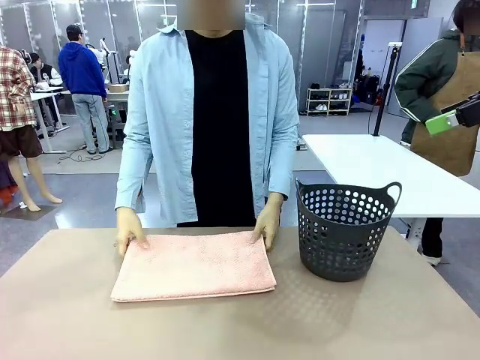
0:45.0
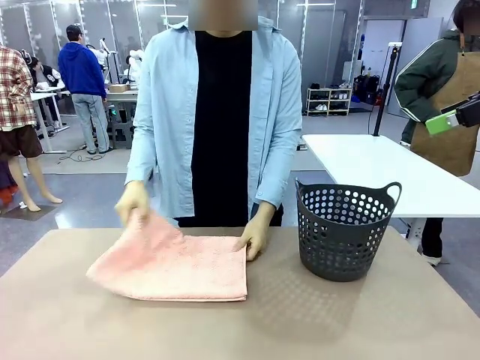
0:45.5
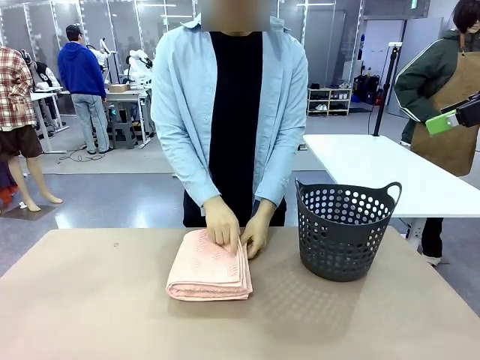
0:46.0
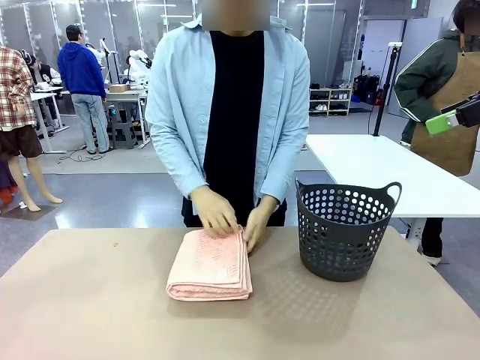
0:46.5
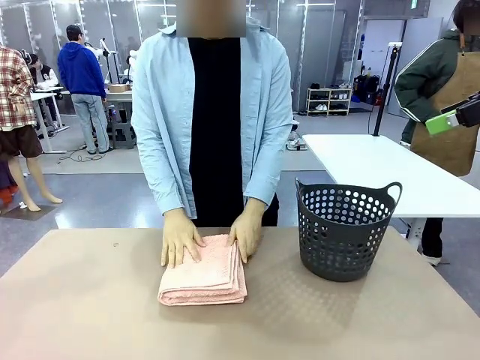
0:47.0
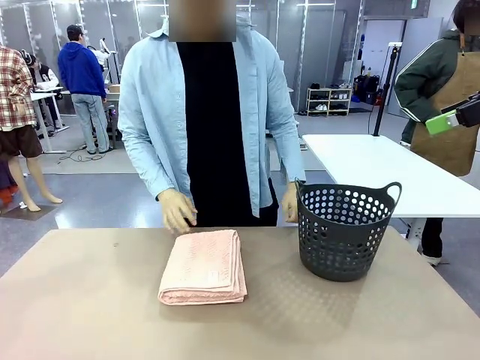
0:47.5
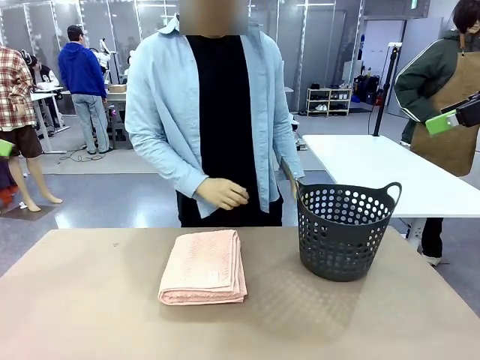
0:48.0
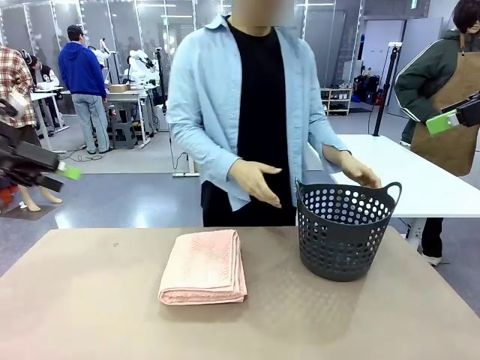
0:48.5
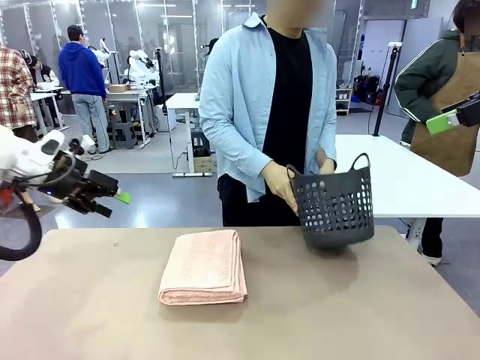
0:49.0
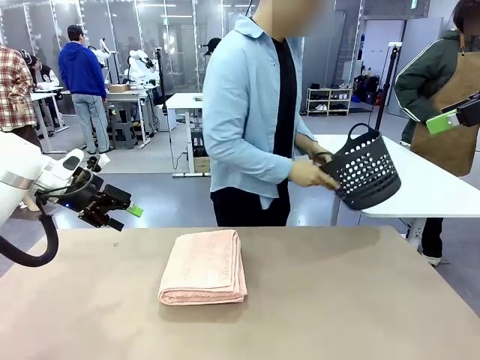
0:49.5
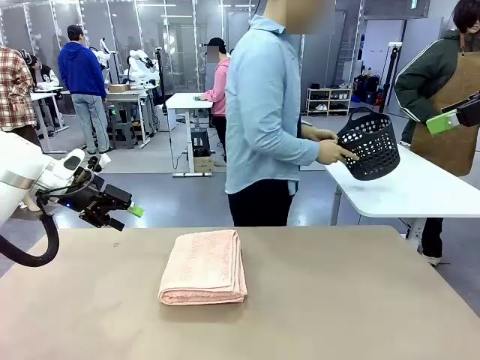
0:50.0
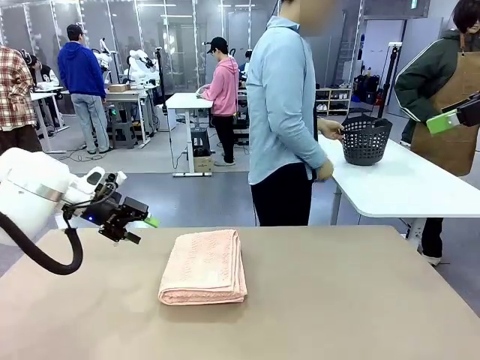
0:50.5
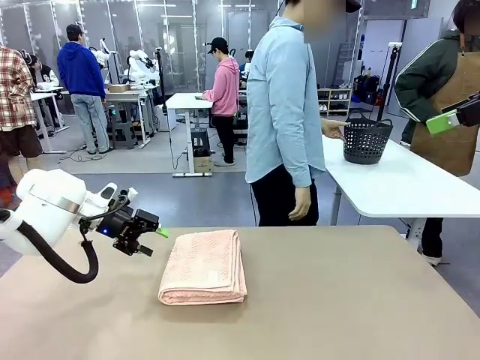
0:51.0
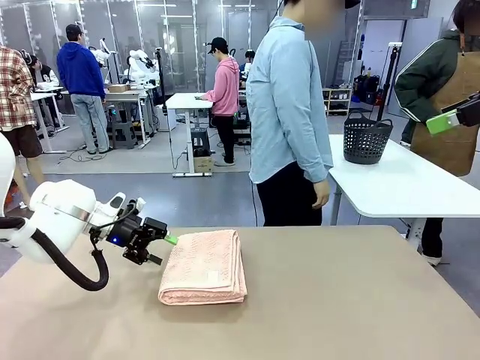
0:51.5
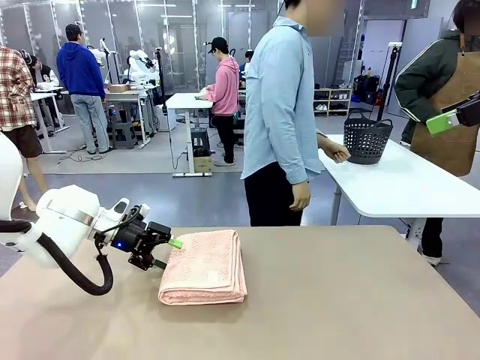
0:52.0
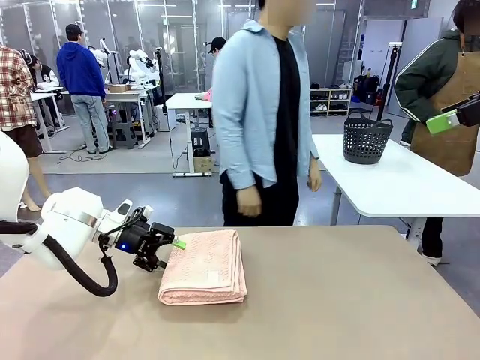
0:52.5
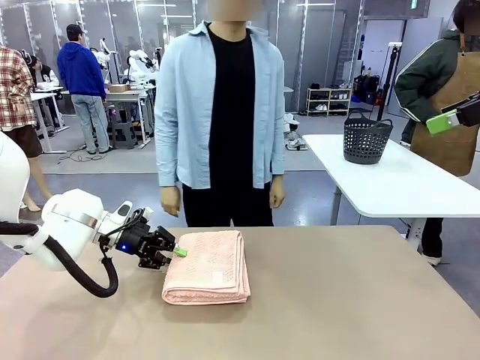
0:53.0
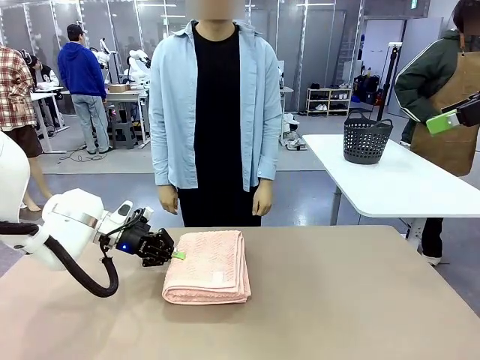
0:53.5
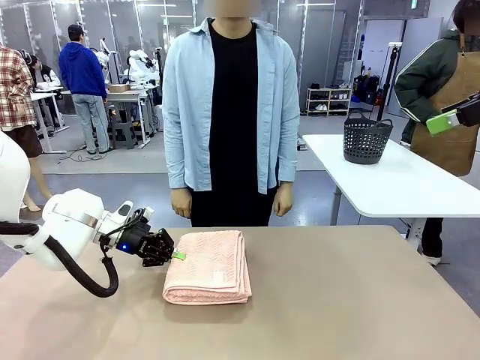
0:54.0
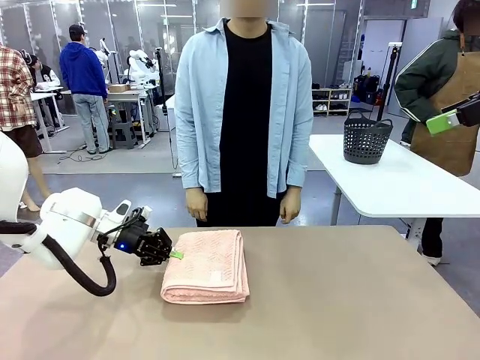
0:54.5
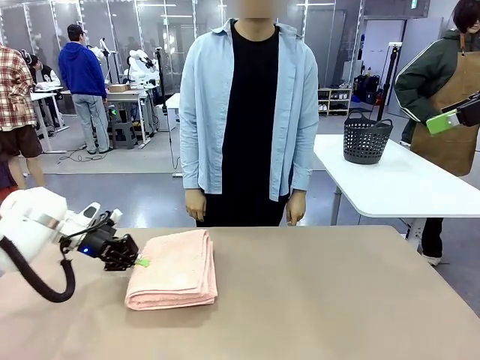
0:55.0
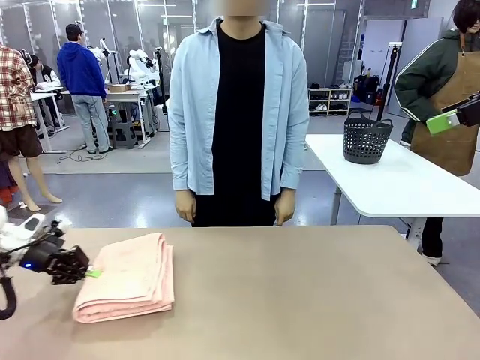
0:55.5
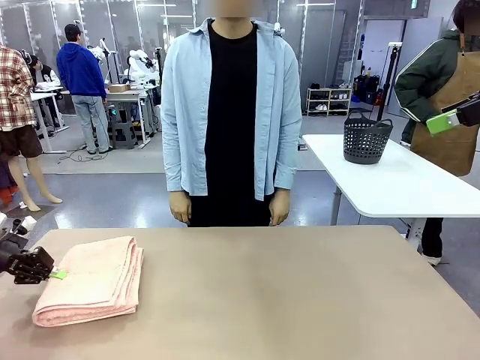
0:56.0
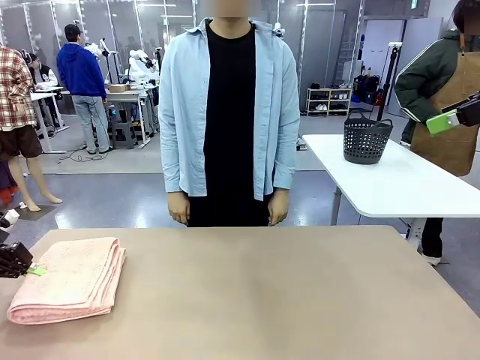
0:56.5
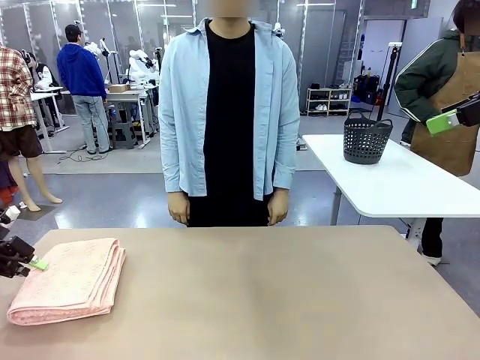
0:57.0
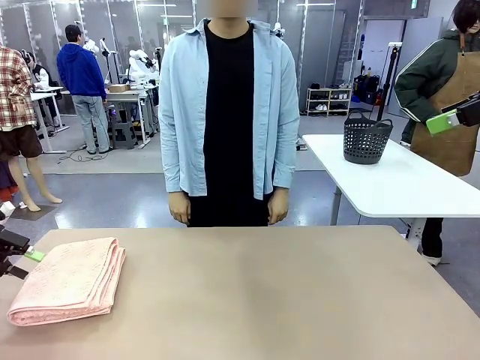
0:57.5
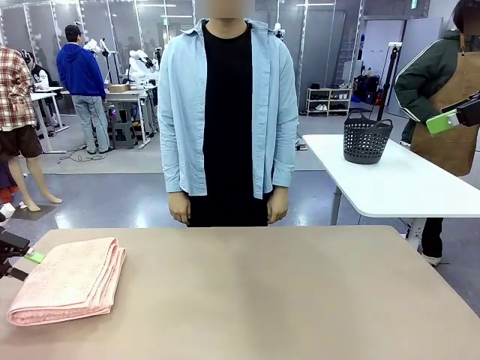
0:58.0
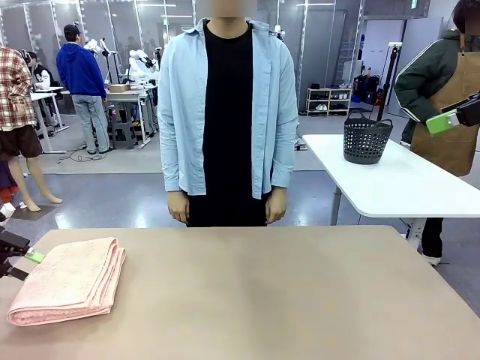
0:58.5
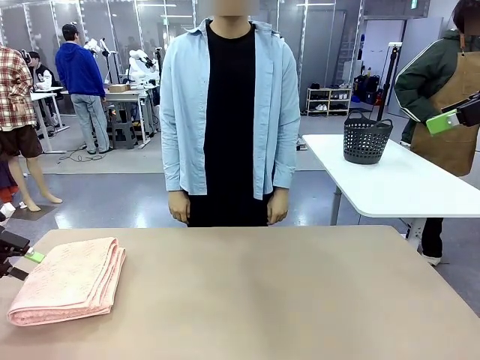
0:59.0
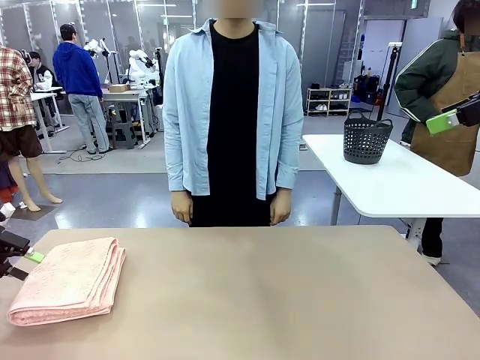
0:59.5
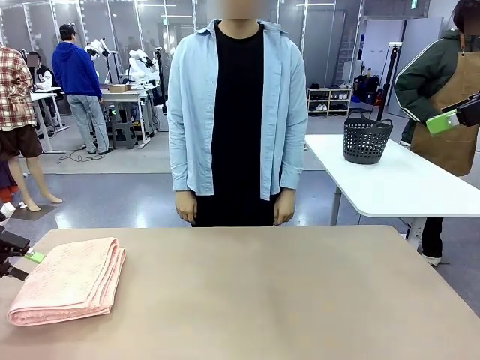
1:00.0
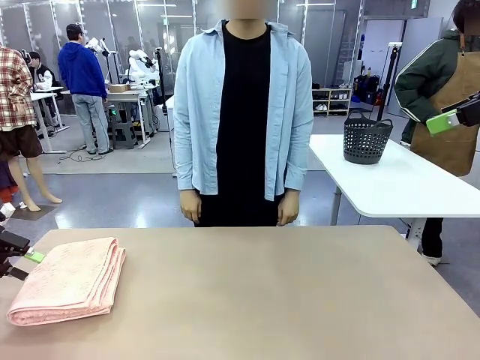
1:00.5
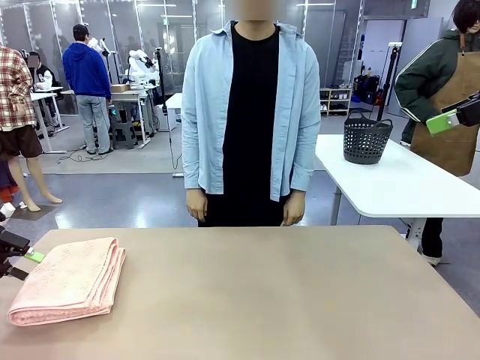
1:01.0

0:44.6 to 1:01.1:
Task: Fold the towel.
Robot: Pick up the 100 cm Hotel Towel and place it on the left side of the table.
Person: Pick up the laundry basket and place it at the center of the human table.

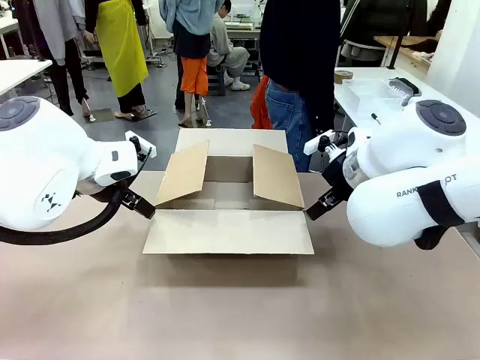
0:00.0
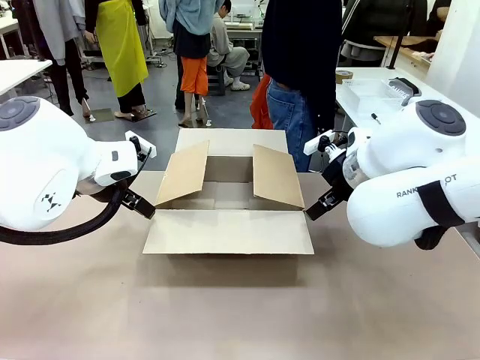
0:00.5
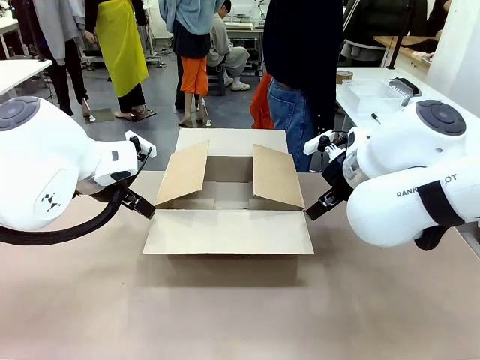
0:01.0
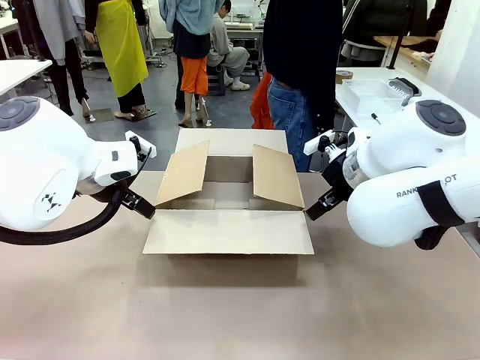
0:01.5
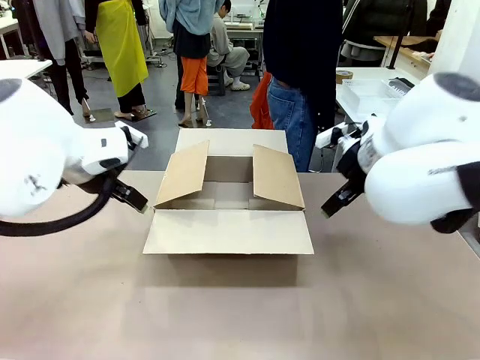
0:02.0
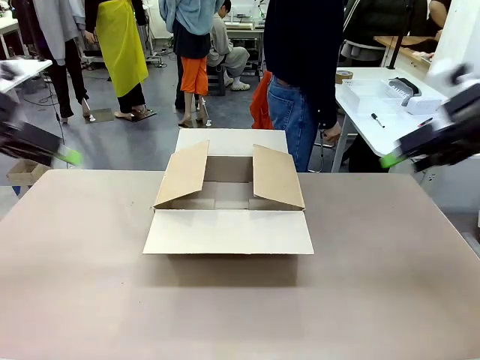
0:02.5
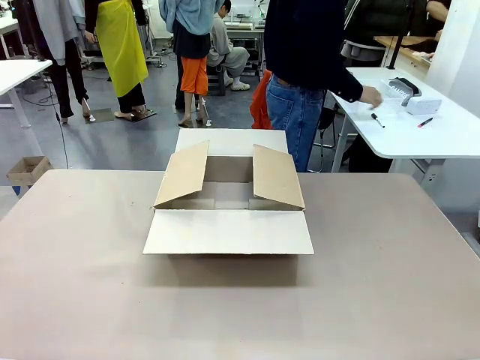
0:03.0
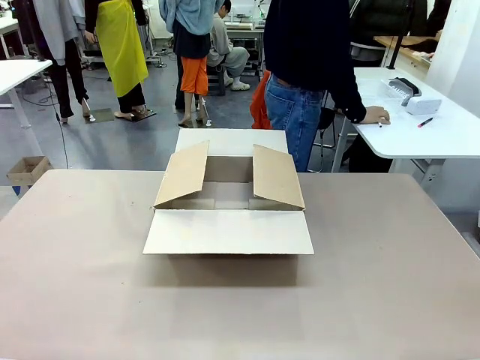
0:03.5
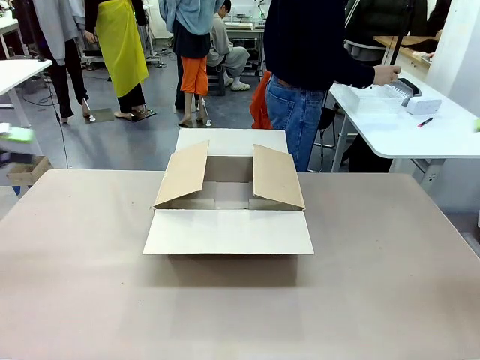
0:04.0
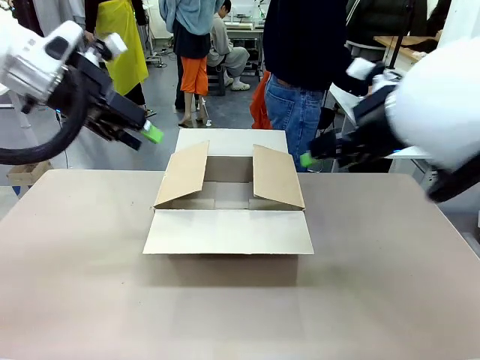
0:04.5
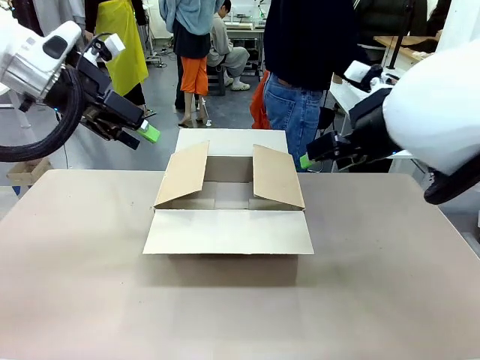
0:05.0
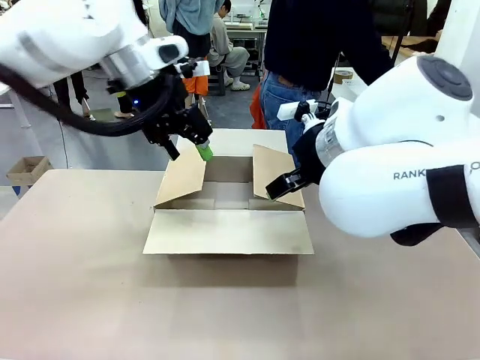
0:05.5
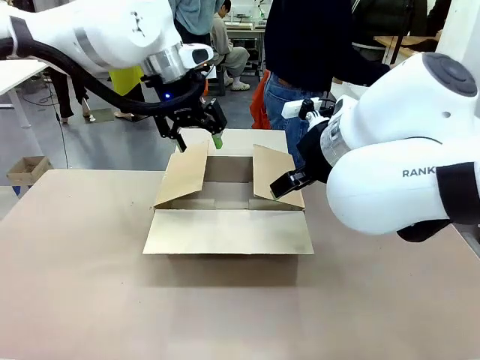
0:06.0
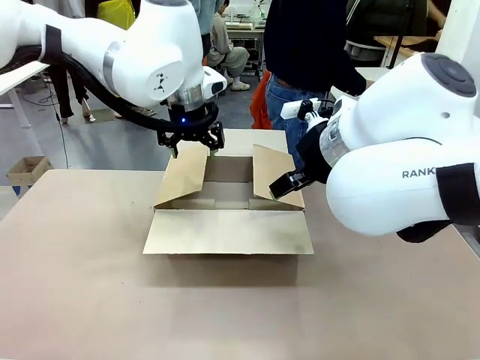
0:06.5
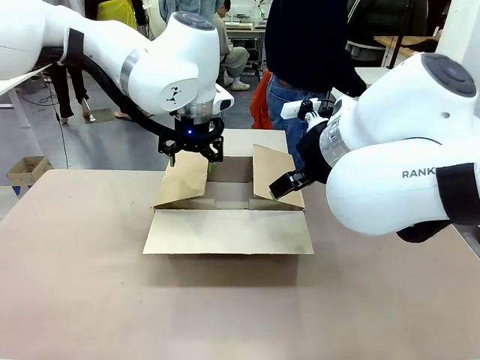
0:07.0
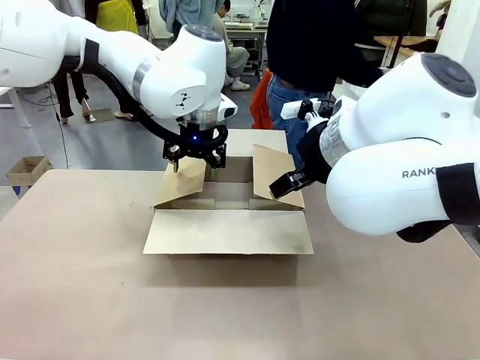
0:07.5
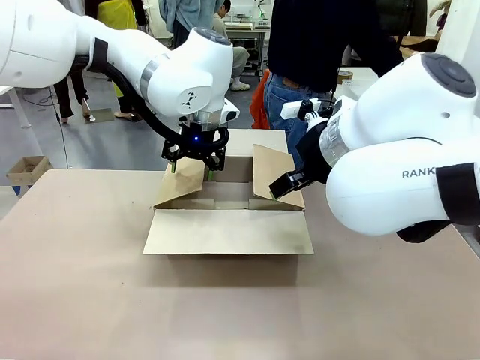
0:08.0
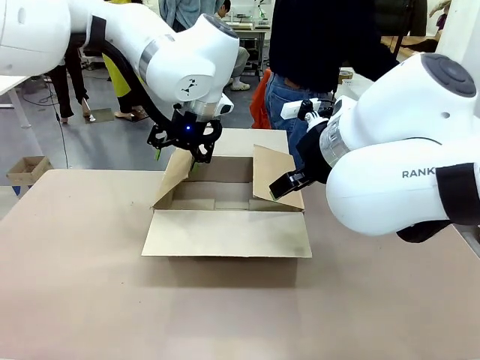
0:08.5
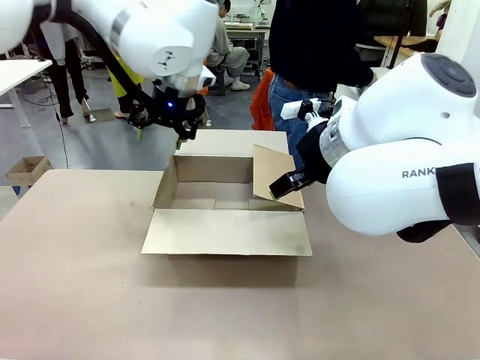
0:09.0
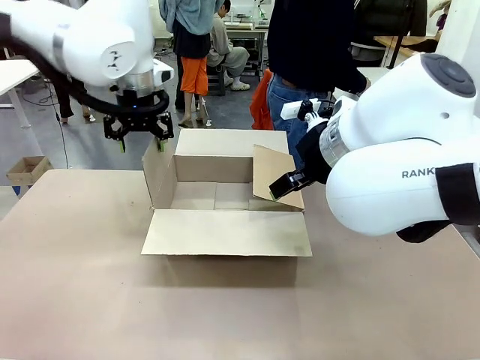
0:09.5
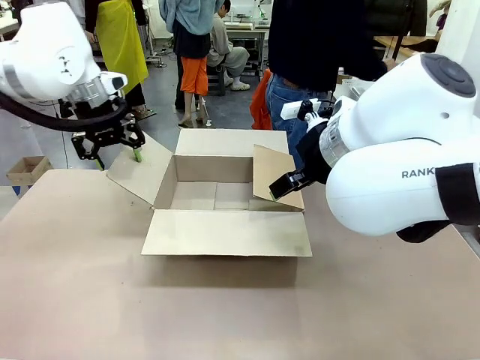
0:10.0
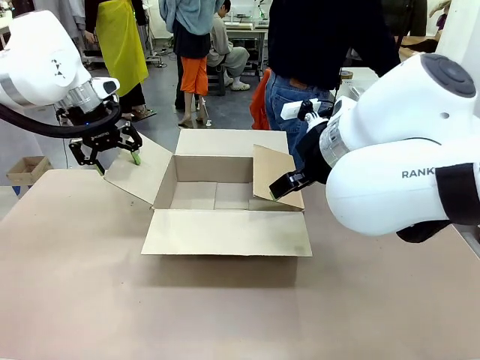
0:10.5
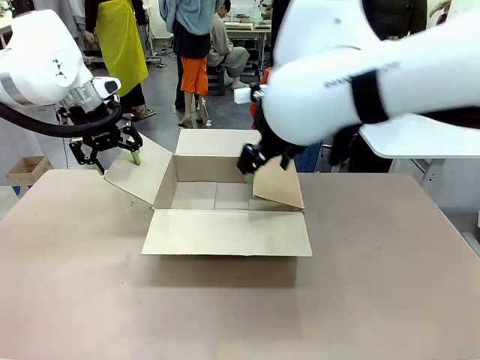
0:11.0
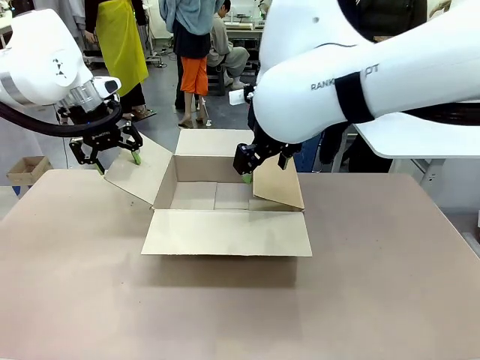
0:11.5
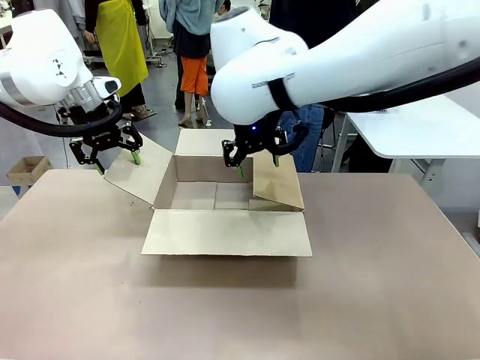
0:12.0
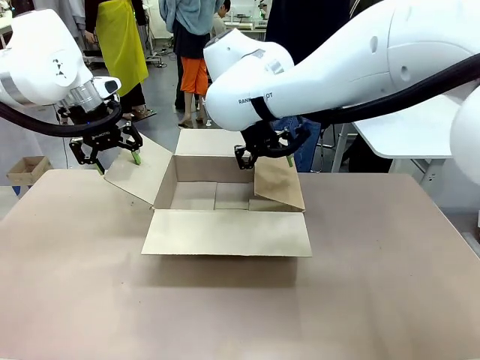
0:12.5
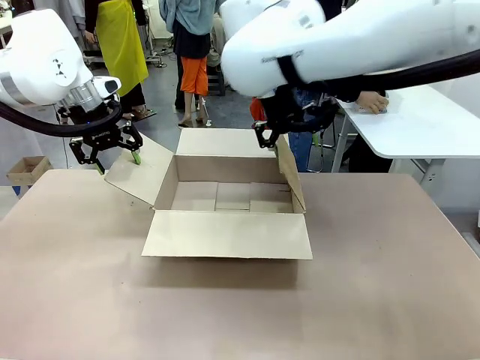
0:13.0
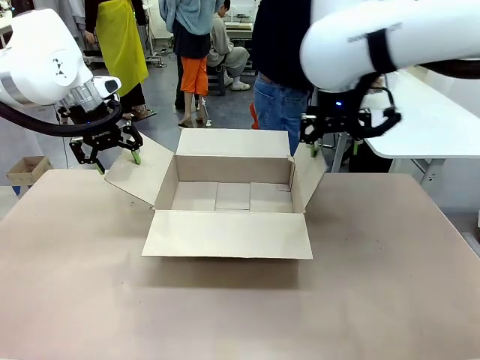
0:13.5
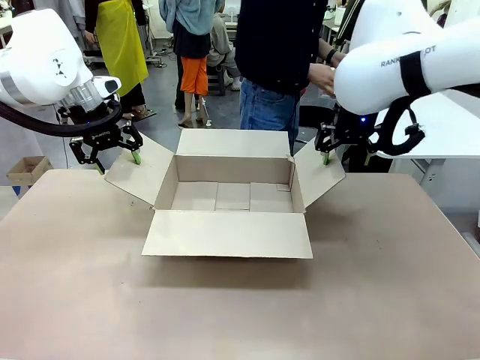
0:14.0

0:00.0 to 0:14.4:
Task: Pack the gift set into the box.
Robot: Place both hands on the side flaps of the Package Box and spread them outward.
Person: The human places all items except the paper tape into the organizing basket.
